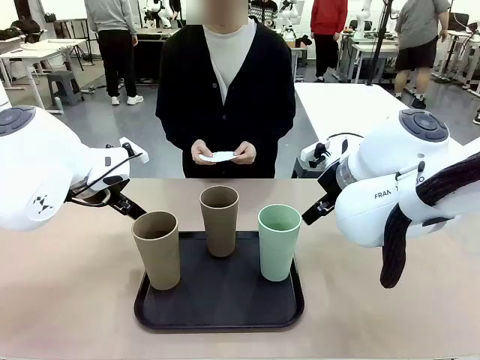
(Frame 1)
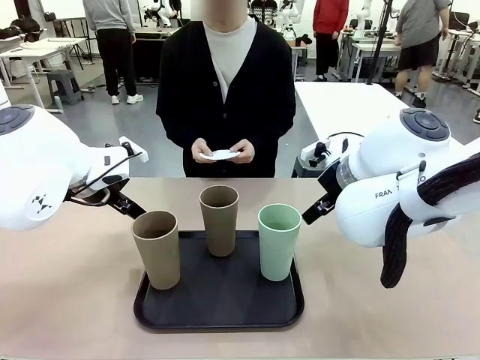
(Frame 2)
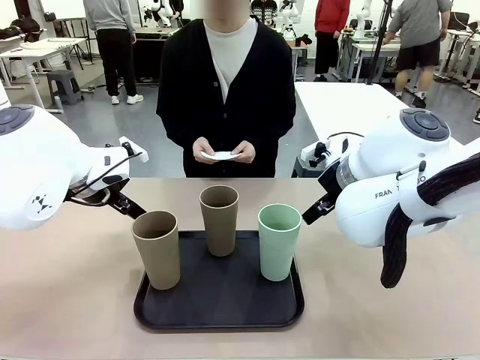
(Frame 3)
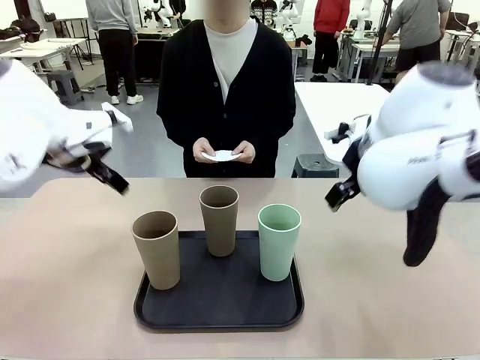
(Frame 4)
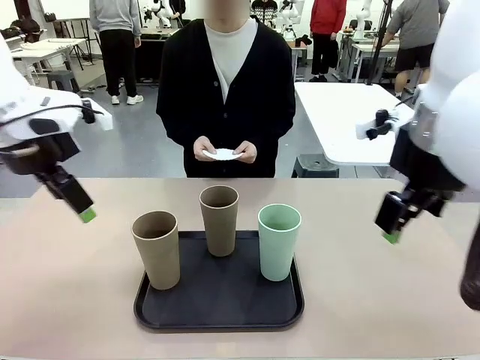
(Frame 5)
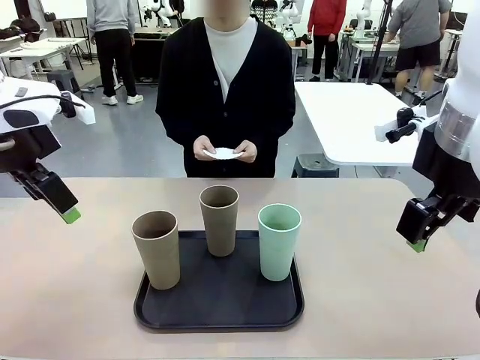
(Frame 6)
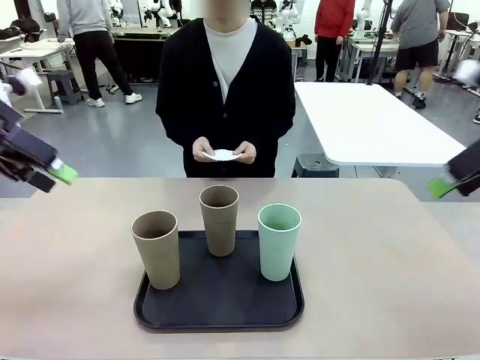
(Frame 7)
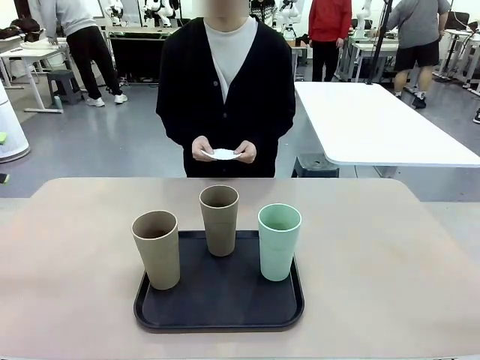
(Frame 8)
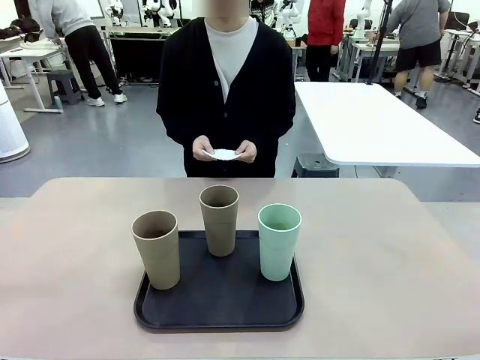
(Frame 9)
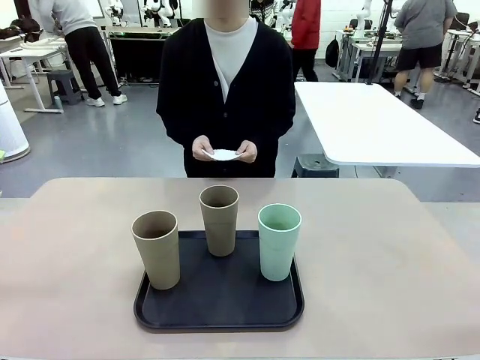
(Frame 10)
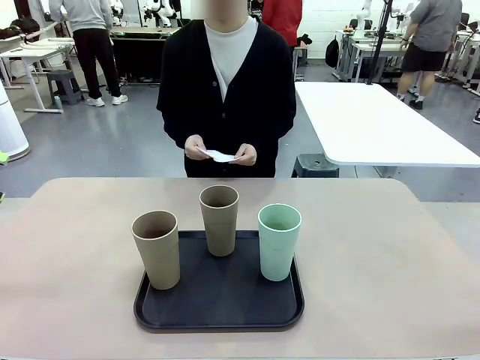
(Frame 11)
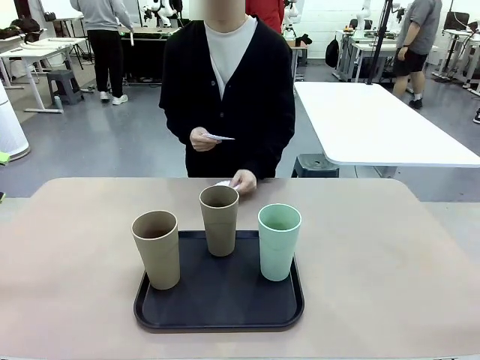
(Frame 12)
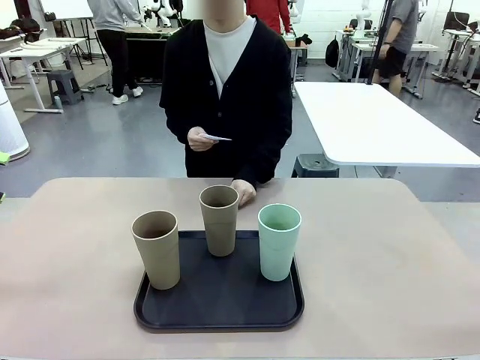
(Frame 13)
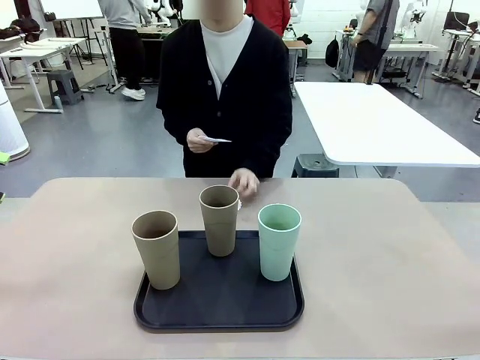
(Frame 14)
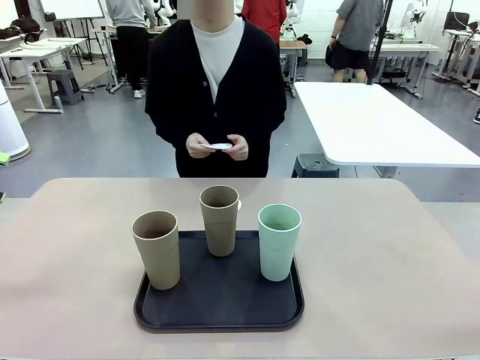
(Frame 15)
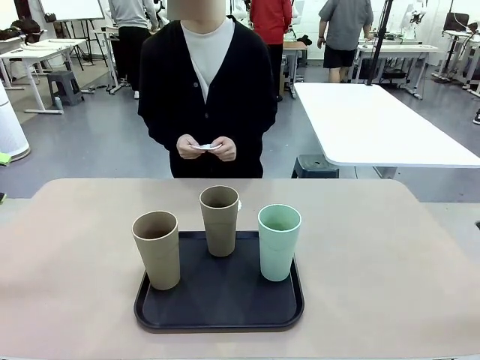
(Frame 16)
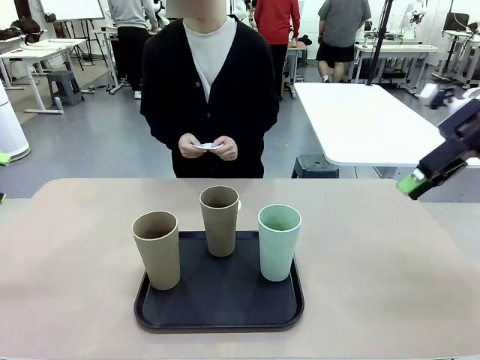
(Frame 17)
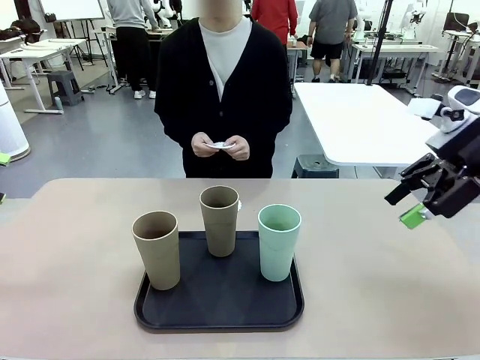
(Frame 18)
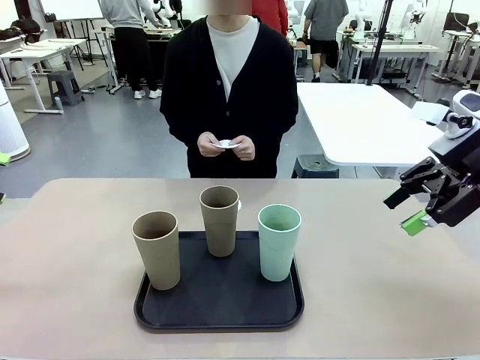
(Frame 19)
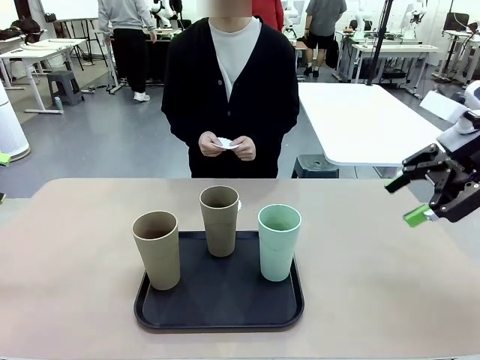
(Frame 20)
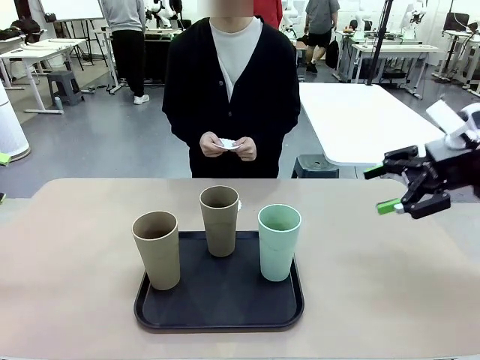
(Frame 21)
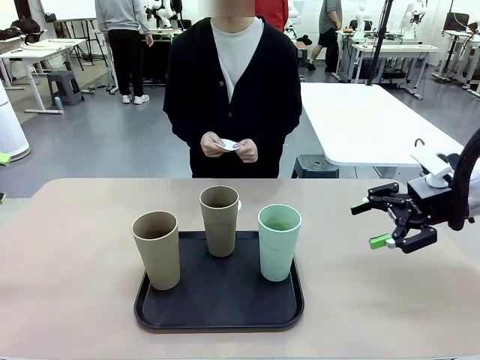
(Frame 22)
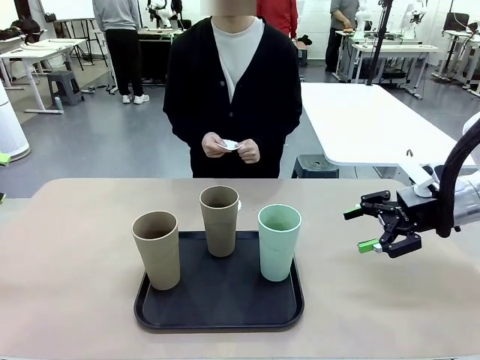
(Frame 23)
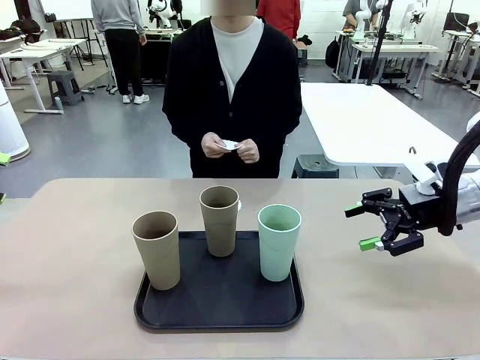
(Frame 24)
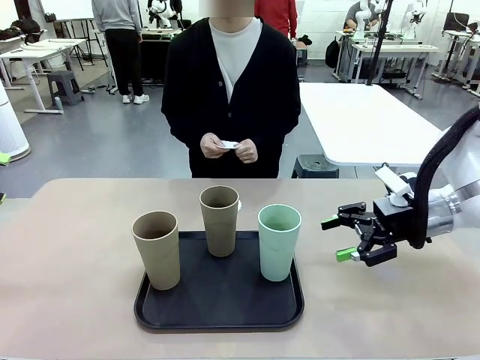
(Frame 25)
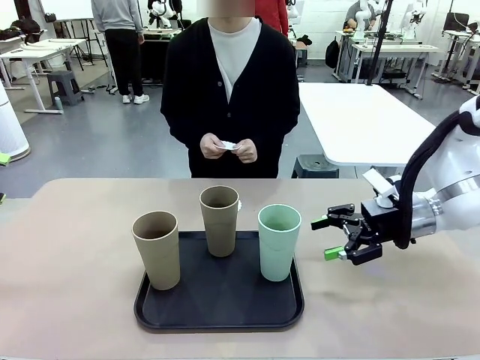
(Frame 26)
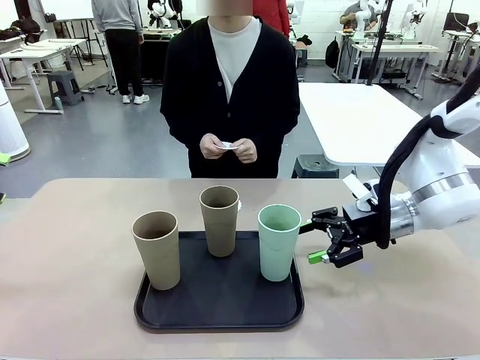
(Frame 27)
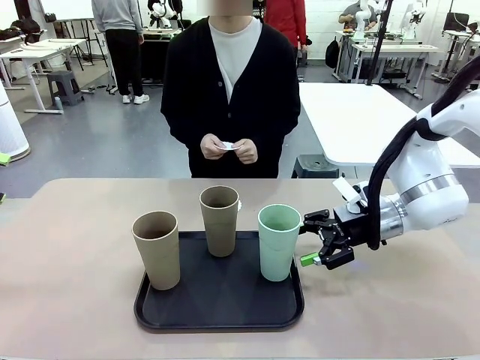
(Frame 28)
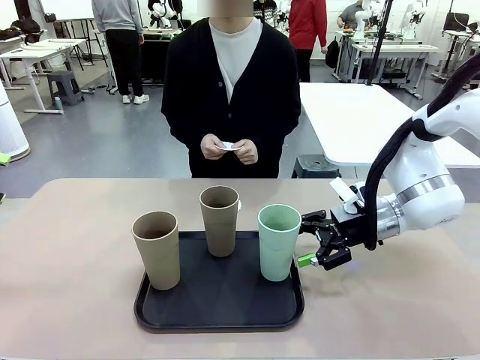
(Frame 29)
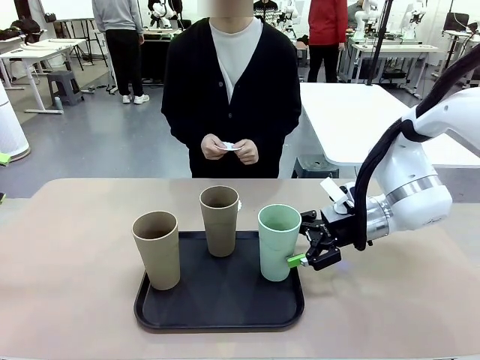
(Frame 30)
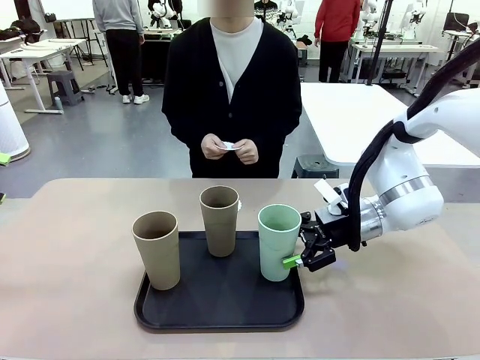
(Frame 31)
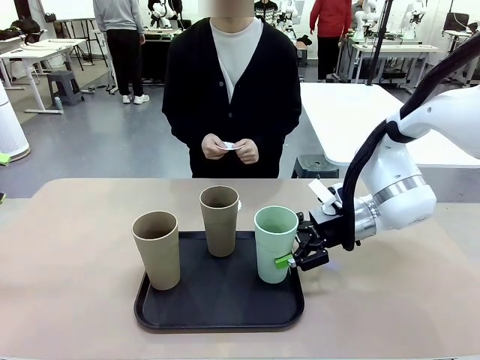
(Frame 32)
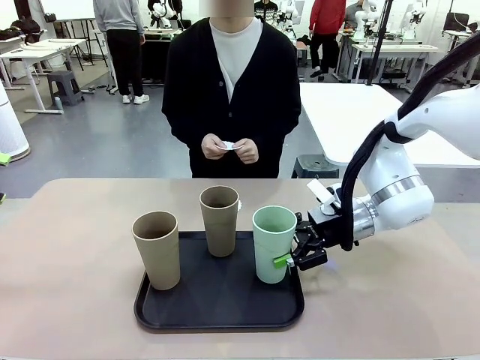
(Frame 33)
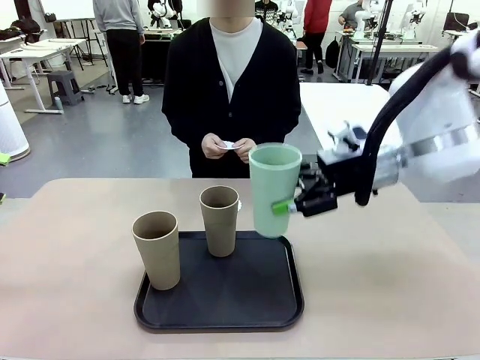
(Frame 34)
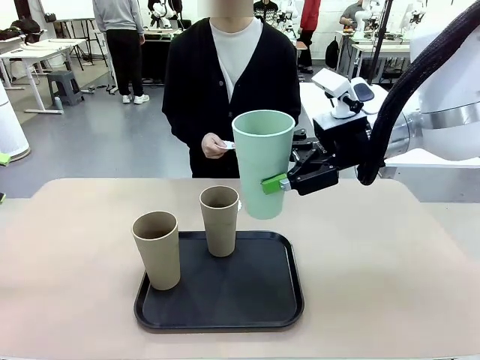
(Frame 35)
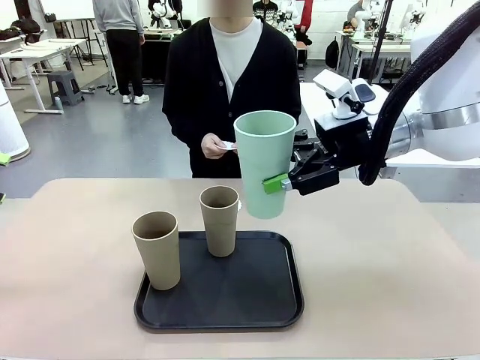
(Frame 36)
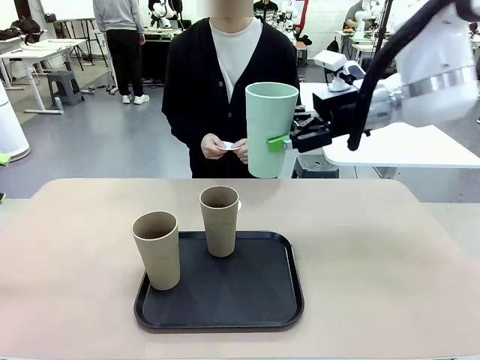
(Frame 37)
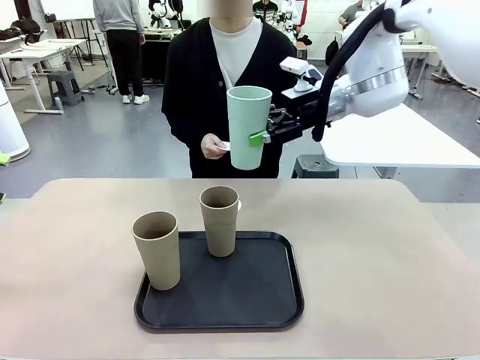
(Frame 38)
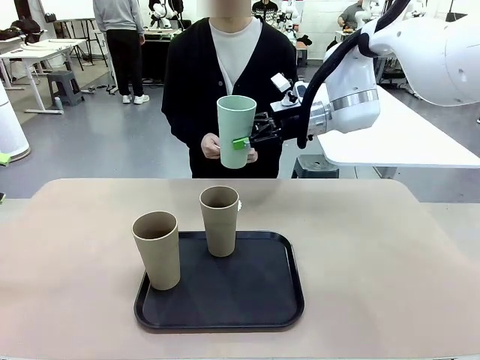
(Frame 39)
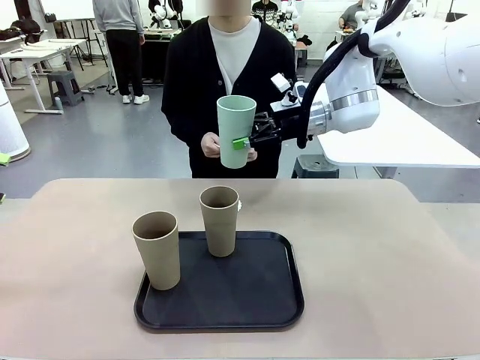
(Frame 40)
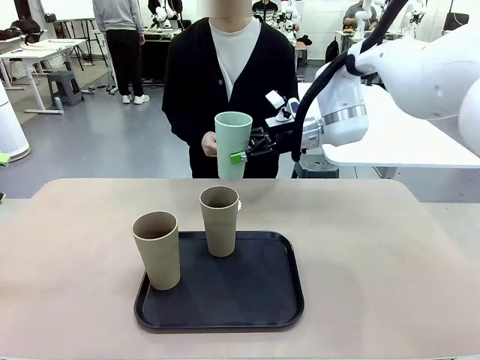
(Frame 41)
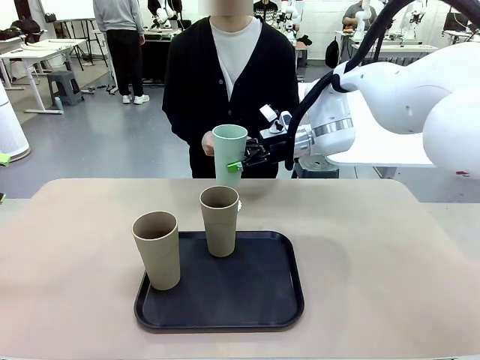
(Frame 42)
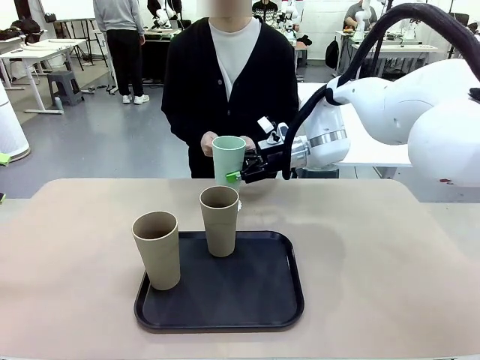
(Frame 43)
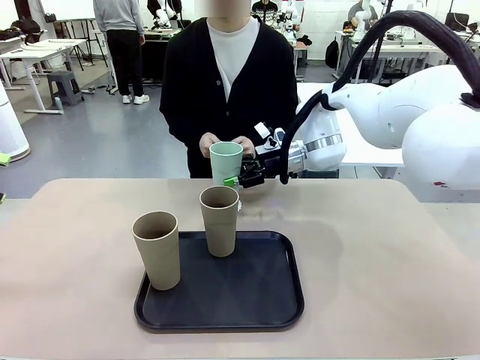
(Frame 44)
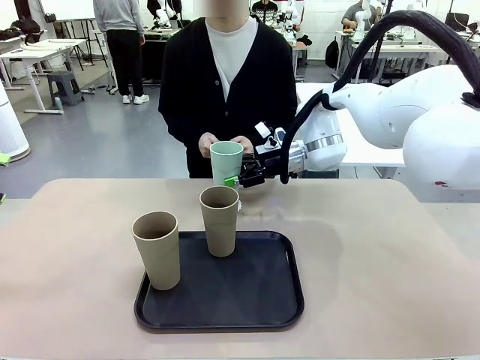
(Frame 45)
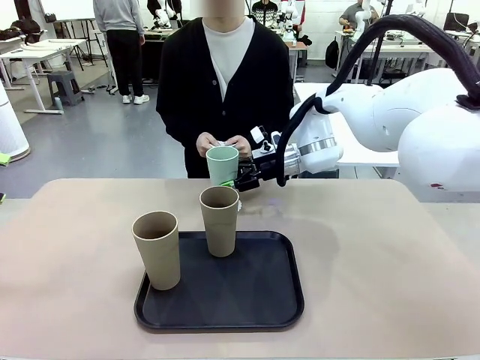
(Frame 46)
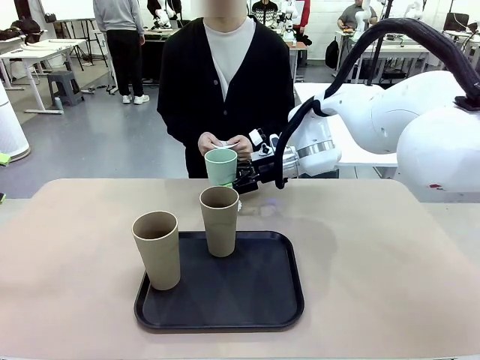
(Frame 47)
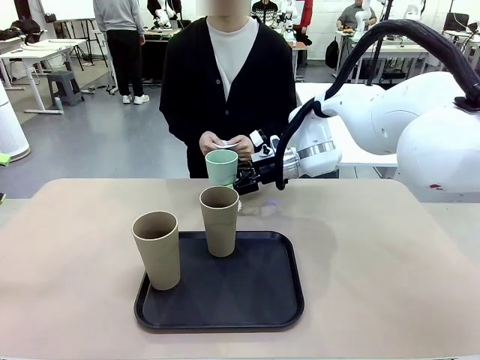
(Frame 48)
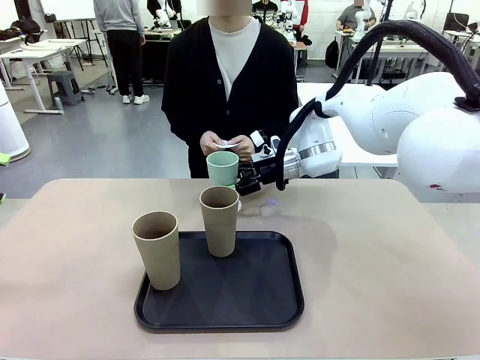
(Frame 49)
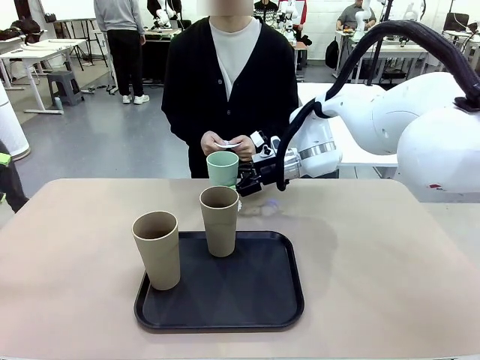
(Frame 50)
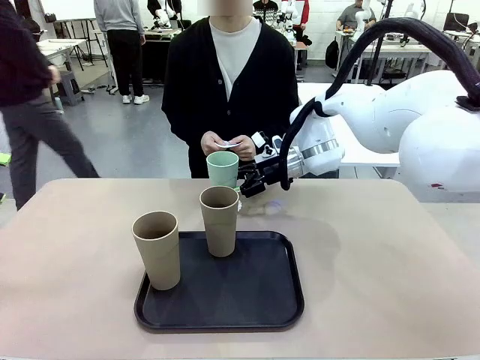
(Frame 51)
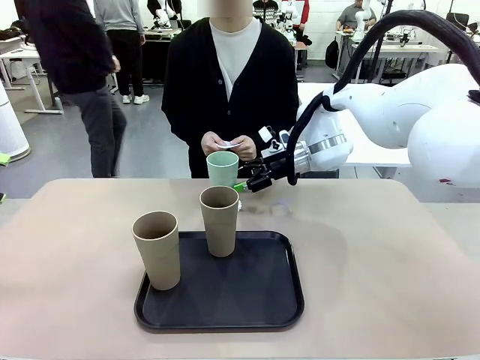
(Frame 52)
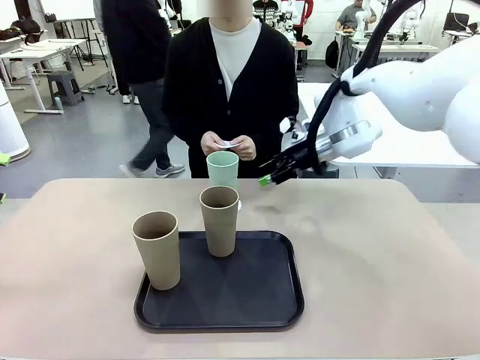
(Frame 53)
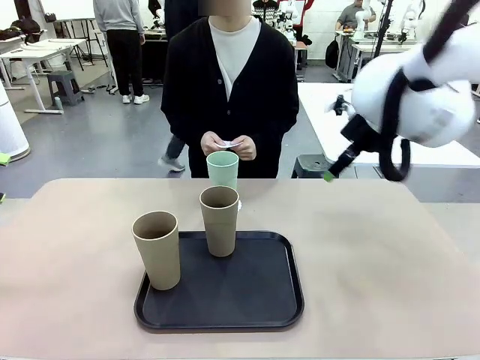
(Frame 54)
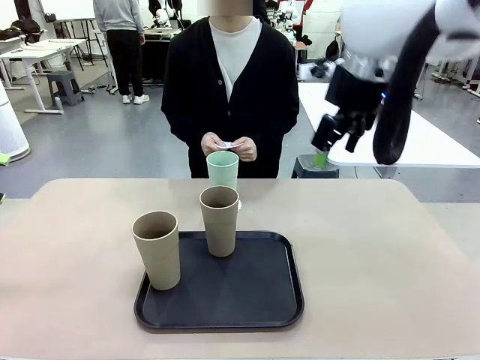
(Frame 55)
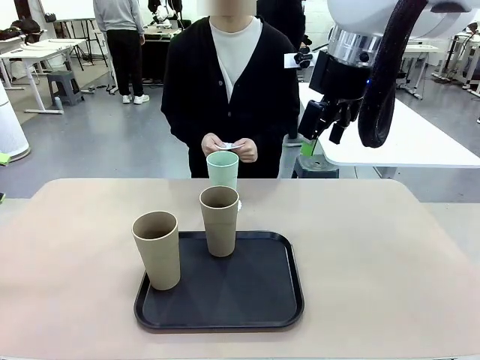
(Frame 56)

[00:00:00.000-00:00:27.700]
Task: Place coasters on the table and set cups on them.
Robot: Pick up one Reusable plastic cup and place it on a coaster set by the human.
Person: Place one coaster in any one of the three lower areas of the robot table (left, center, or right). Place one coaster in one of the two areas excluding the previously selected area.
